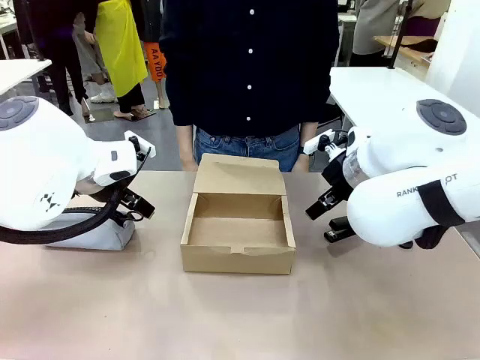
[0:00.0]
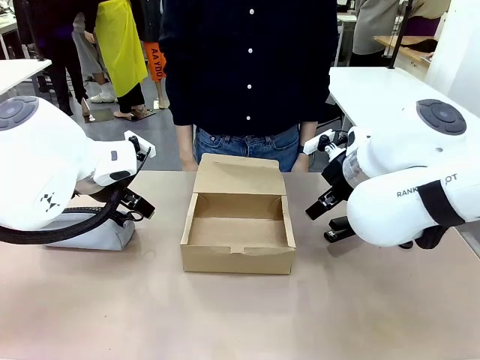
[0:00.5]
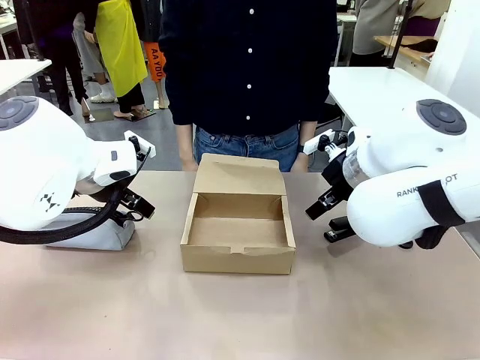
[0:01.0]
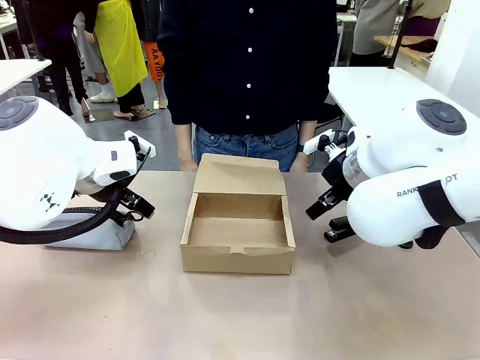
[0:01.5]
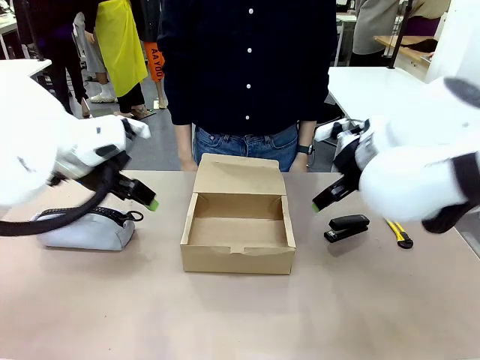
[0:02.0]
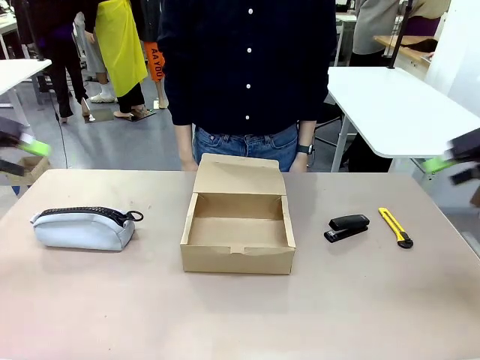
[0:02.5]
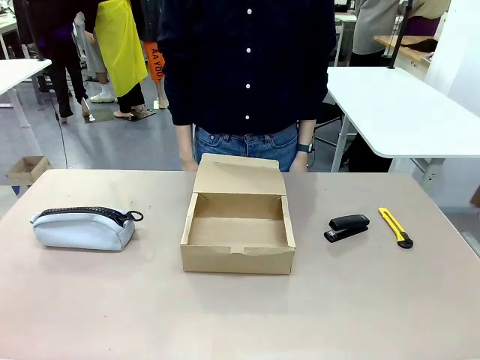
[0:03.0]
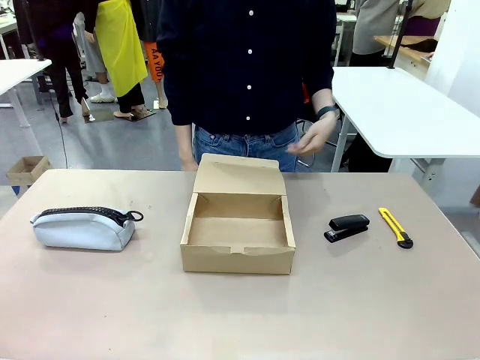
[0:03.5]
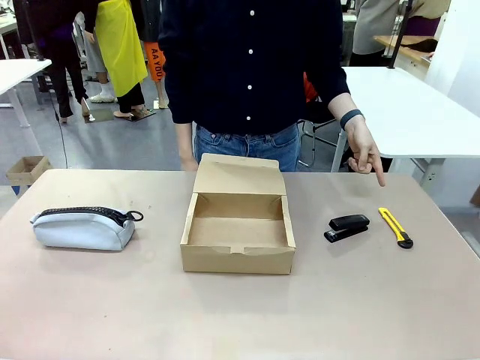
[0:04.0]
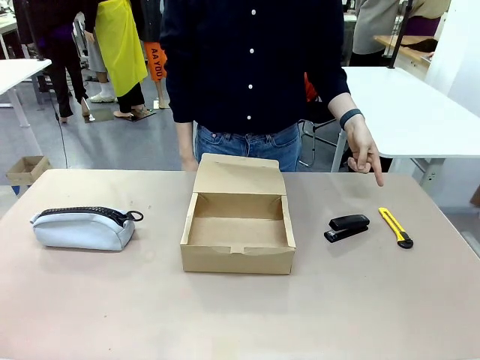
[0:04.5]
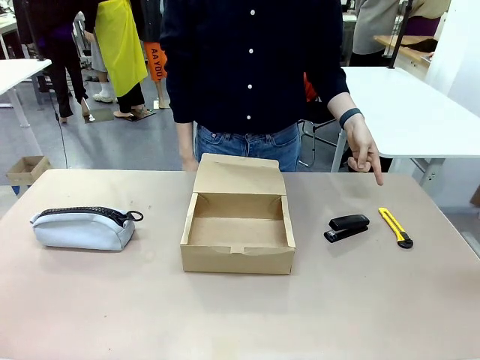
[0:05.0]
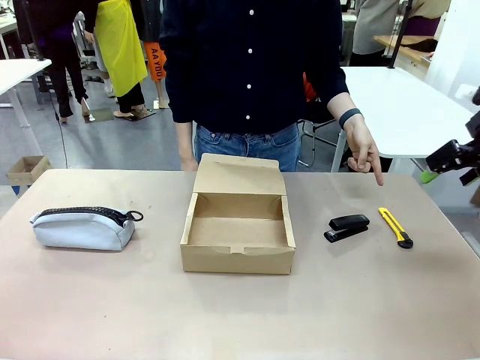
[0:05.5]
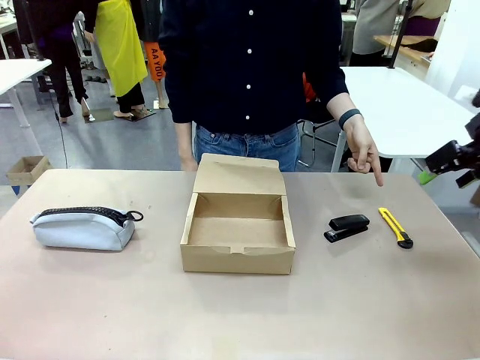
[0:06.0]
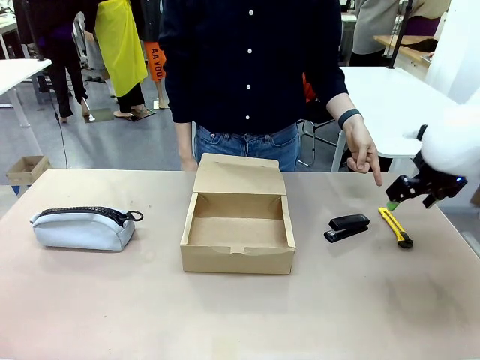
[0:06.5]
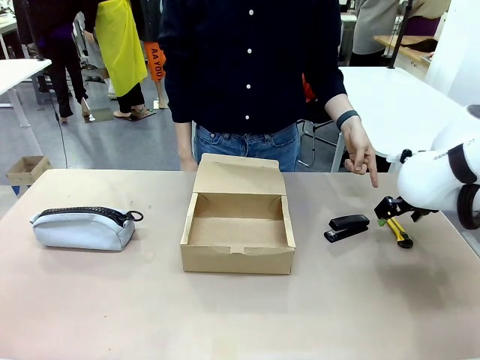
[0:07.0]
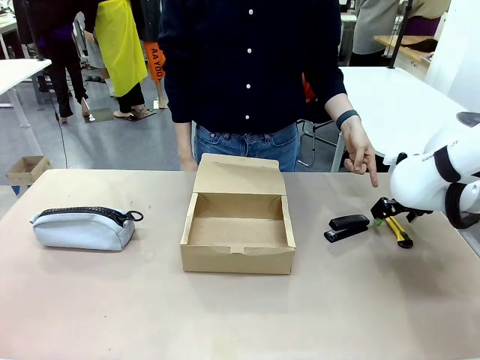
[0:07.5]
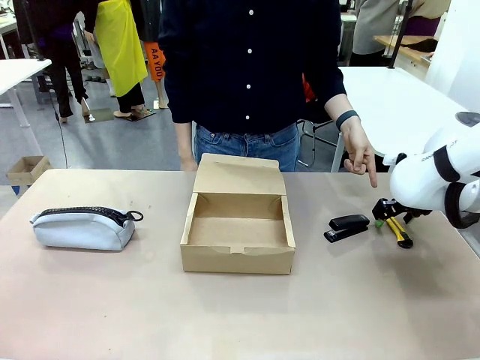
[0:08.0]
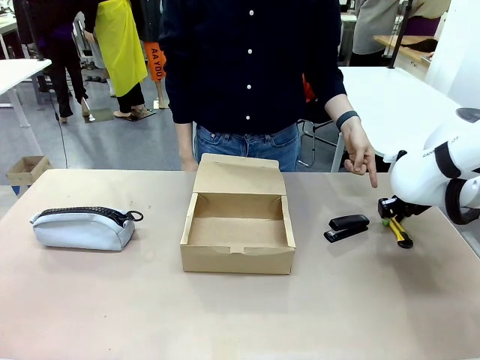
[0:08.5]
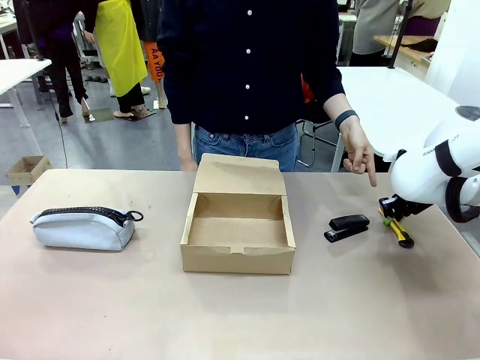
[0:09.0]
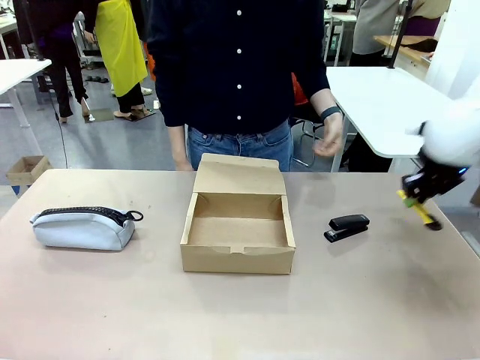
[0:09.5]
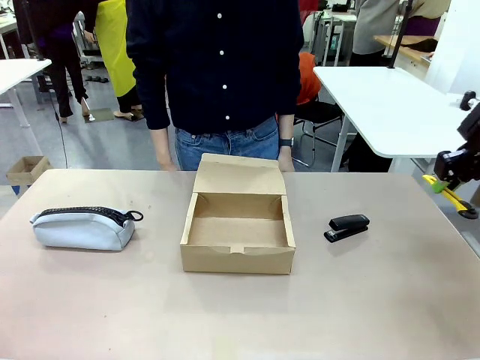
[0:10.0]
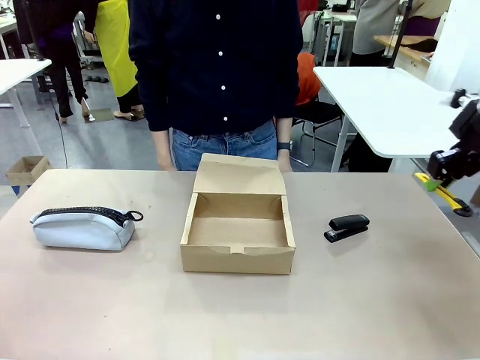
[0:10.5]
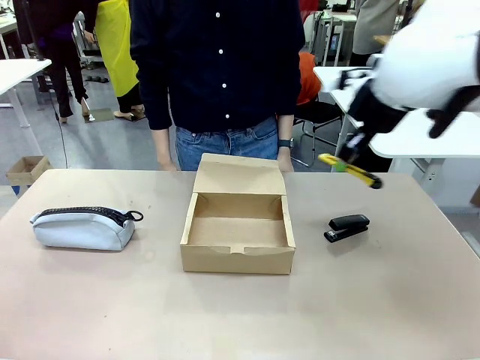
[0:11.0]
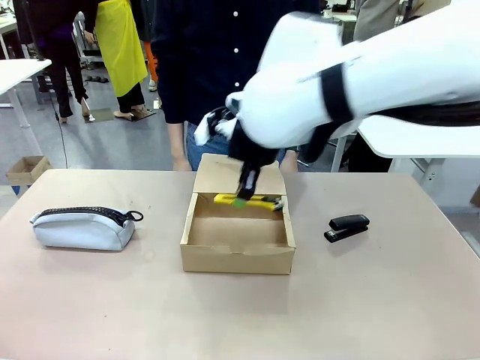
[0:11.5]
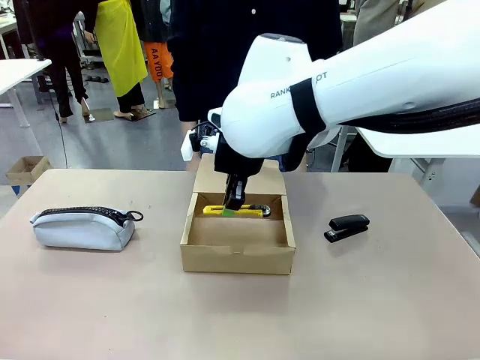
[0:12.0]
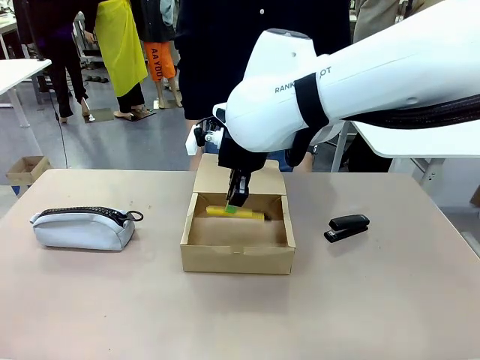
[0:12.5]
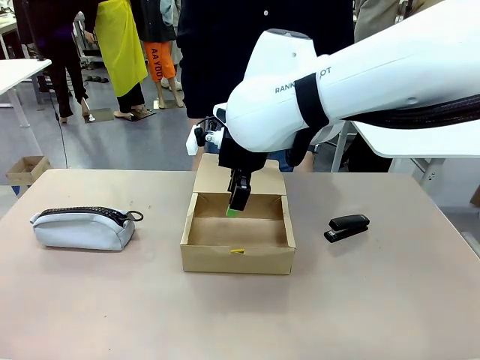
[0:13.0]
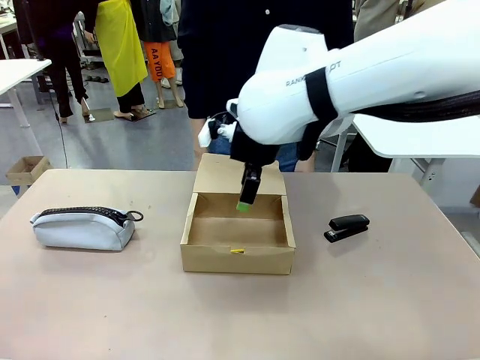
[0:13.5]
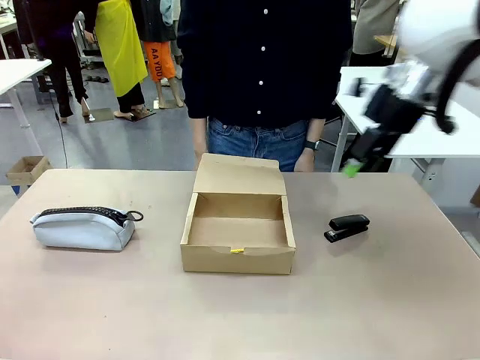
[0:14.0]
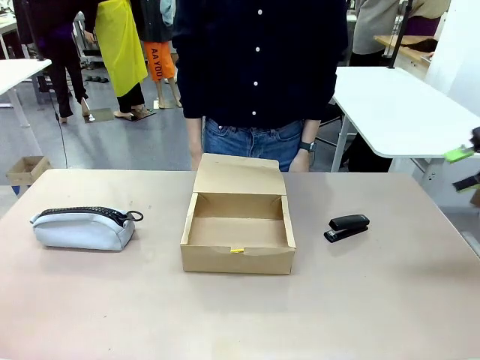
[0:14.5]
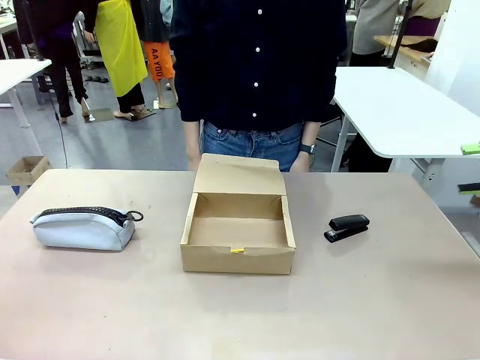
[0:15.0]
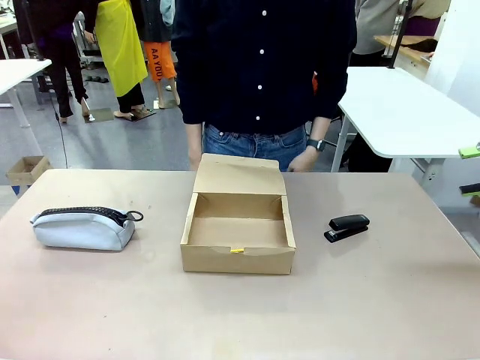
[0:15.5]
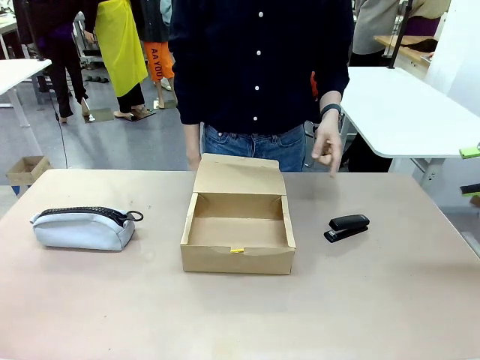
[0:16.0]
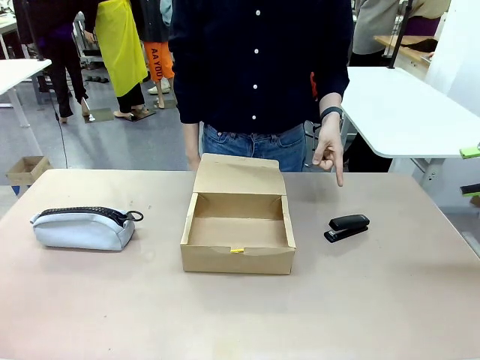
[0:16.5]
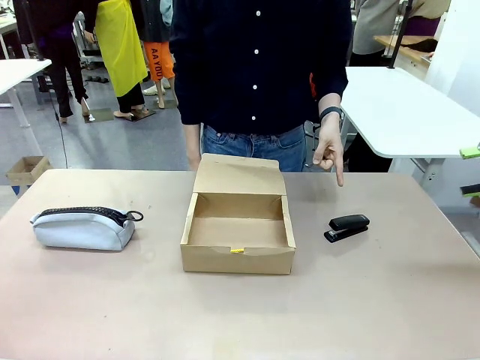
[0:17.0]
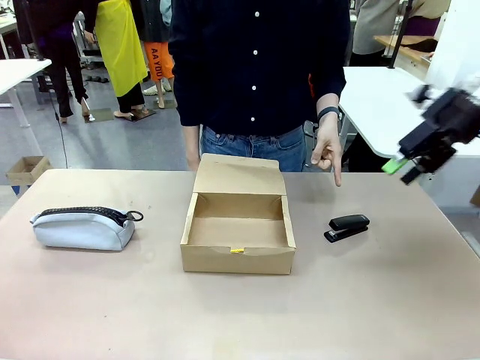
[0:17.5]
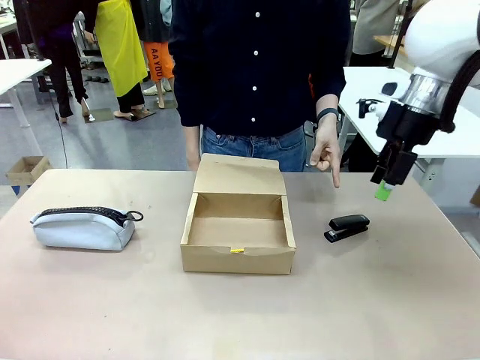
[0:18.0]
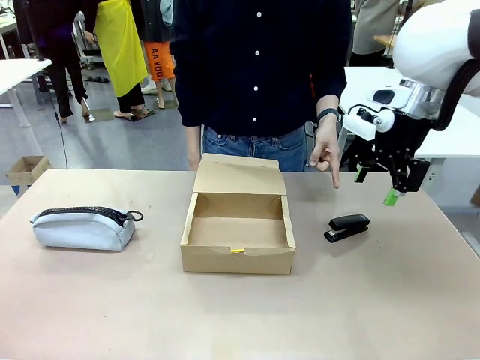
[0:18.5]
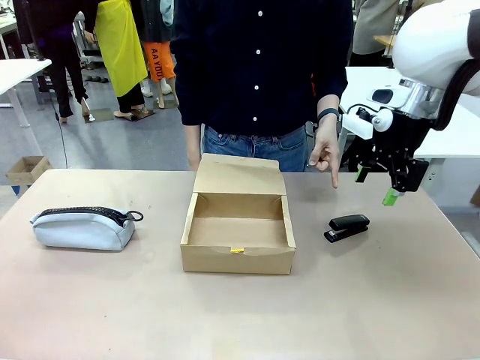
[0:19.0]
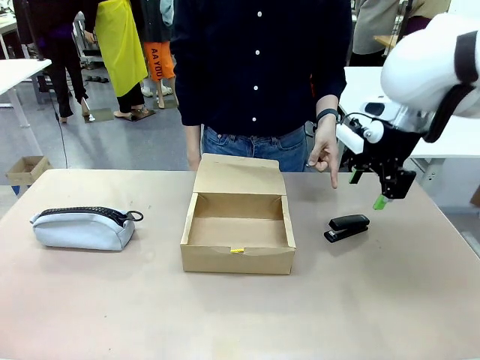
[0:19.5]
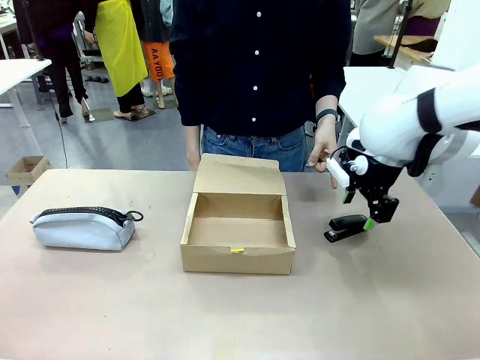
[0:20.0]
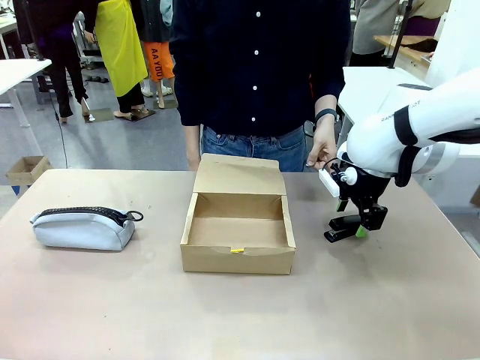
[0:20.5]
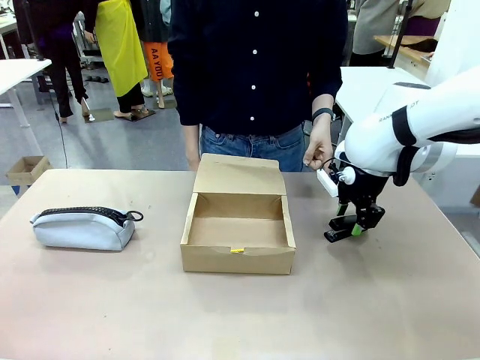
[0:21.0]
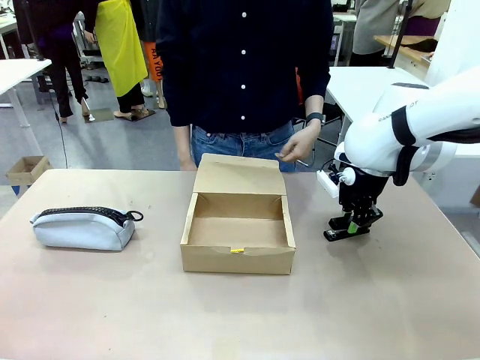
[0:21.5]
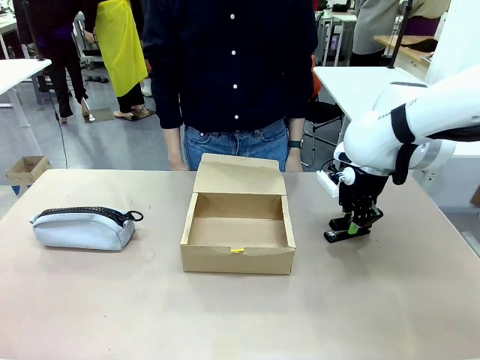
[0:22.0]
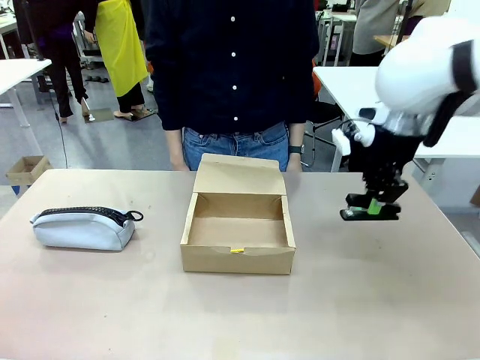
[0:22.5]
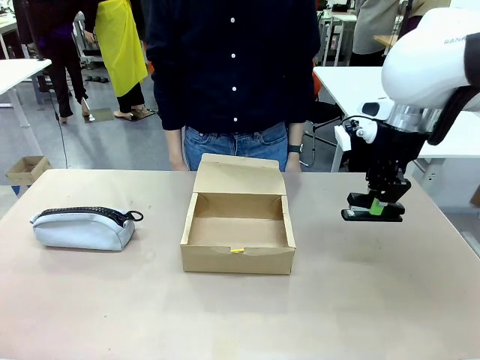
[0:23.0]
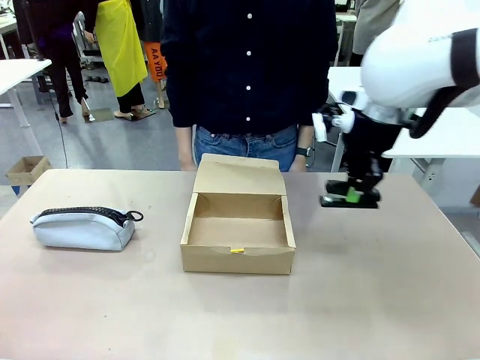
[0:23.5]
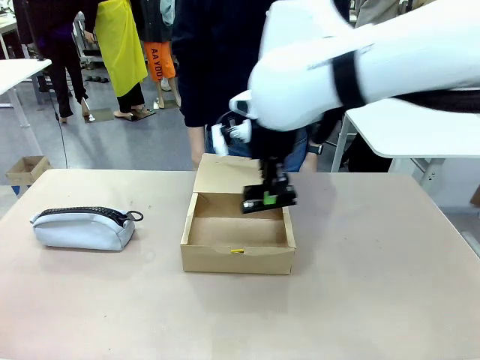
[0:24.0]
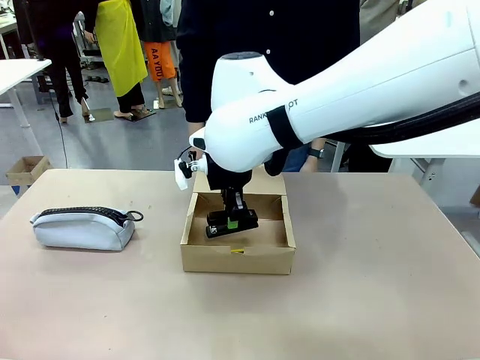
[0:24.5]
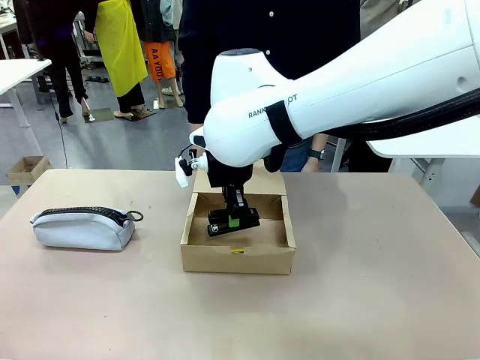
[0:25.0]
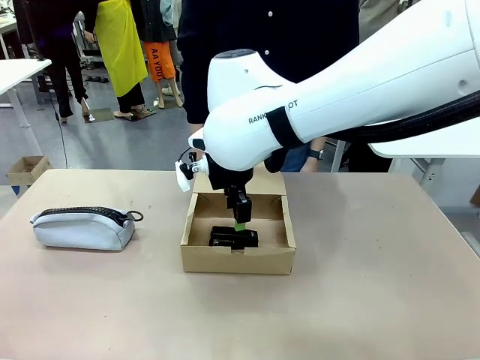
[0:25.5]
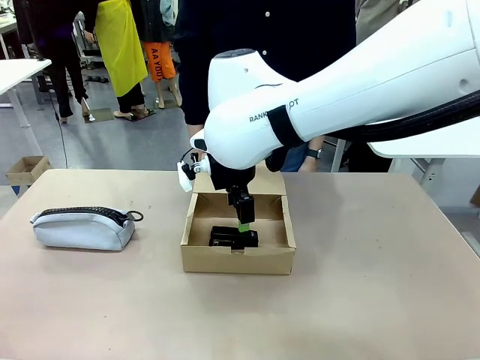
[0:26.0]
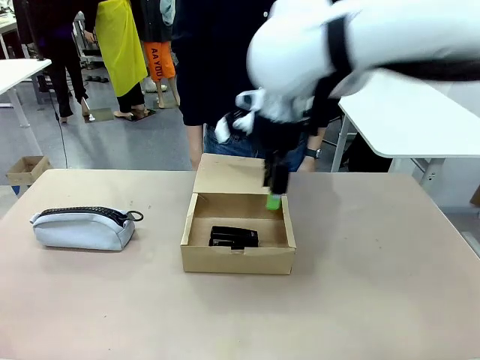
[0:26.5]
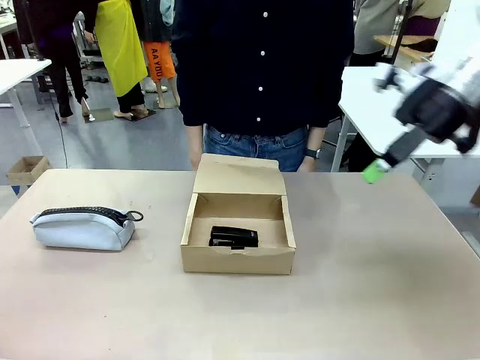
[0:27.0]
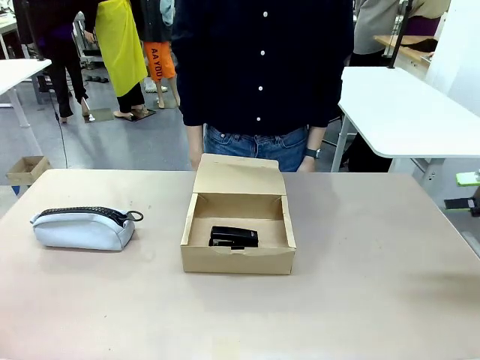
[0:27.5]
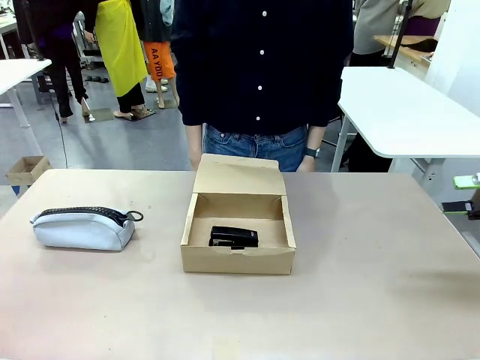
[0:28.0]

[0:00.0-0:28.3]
Task: Pack the items into the box.
Robot: Pick up the item specified by the human and place it in the Mailer Box.
Person: Point at one item on the table (excluding the box). Lower both hands vertically with palms facing downward, as if pressing something closed.
